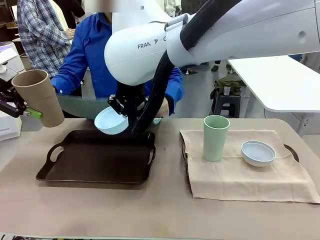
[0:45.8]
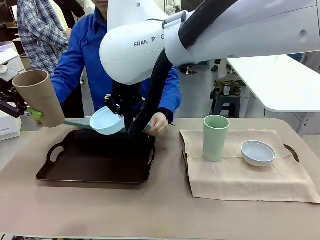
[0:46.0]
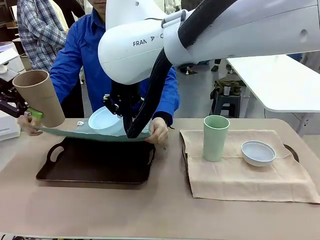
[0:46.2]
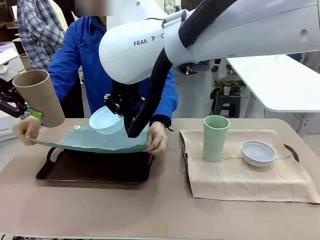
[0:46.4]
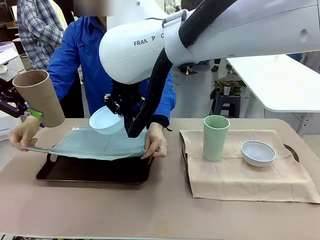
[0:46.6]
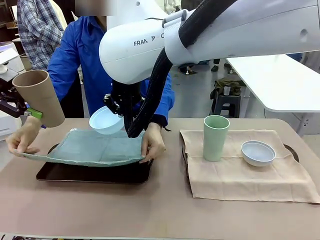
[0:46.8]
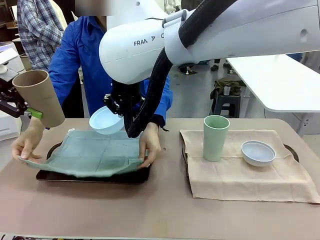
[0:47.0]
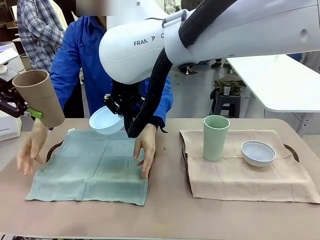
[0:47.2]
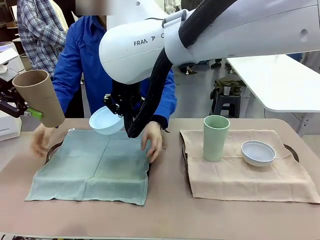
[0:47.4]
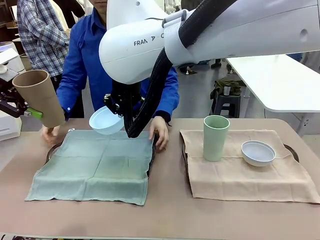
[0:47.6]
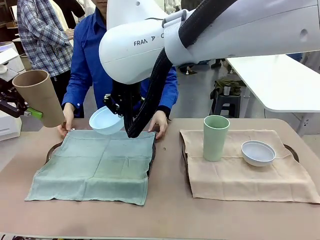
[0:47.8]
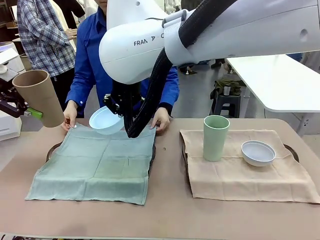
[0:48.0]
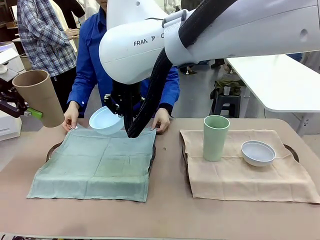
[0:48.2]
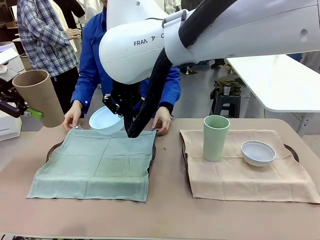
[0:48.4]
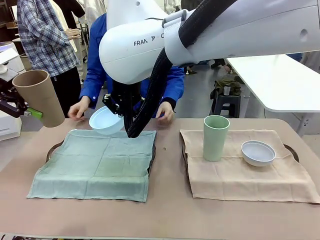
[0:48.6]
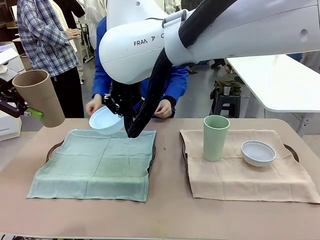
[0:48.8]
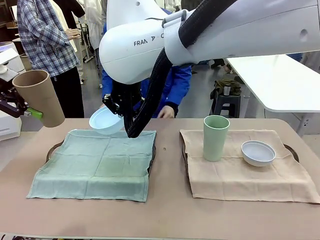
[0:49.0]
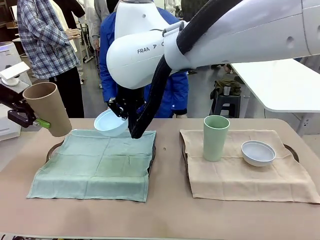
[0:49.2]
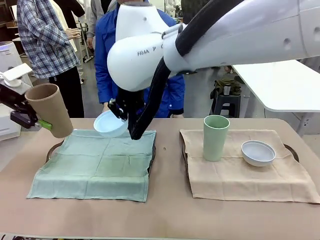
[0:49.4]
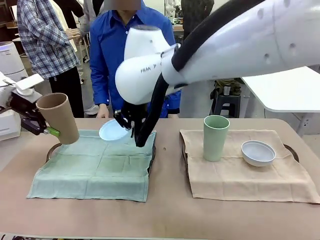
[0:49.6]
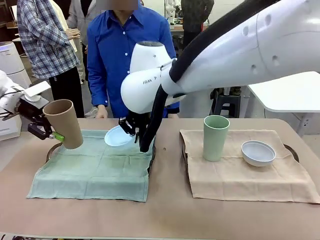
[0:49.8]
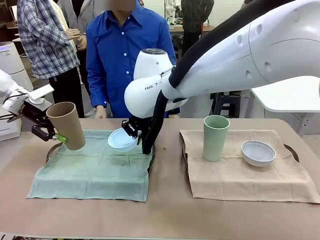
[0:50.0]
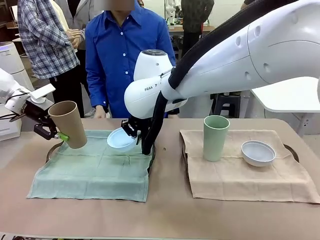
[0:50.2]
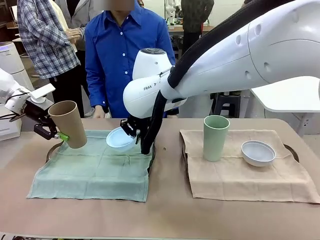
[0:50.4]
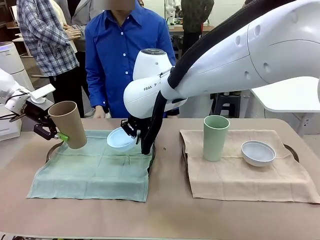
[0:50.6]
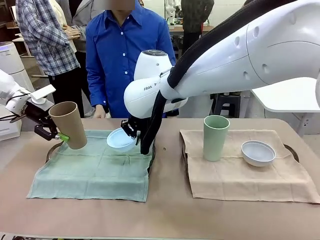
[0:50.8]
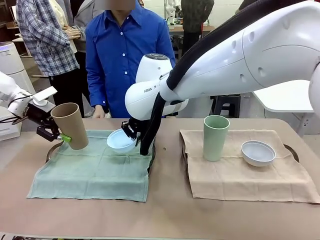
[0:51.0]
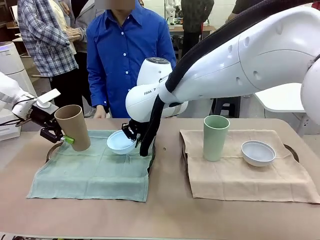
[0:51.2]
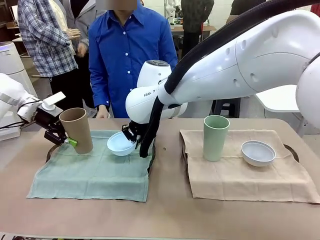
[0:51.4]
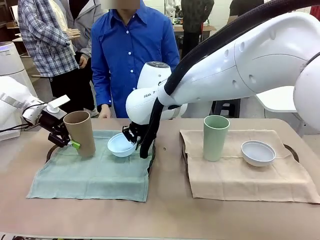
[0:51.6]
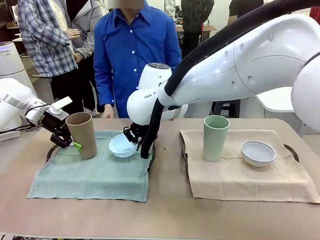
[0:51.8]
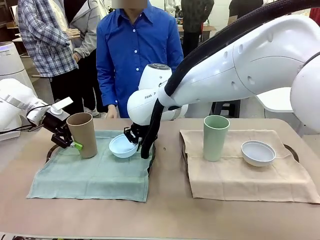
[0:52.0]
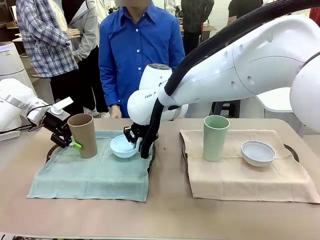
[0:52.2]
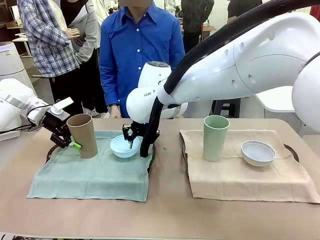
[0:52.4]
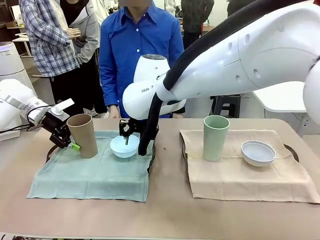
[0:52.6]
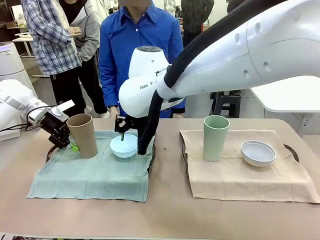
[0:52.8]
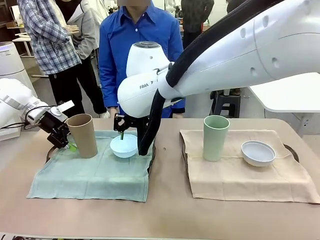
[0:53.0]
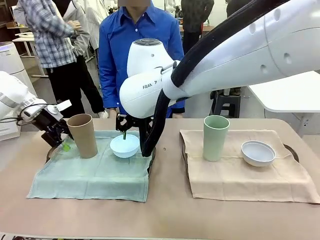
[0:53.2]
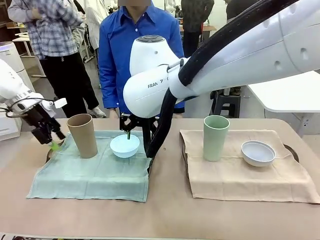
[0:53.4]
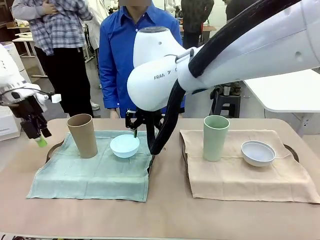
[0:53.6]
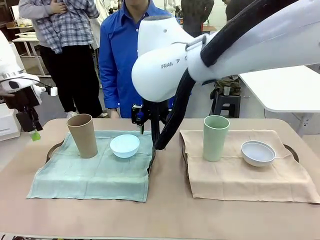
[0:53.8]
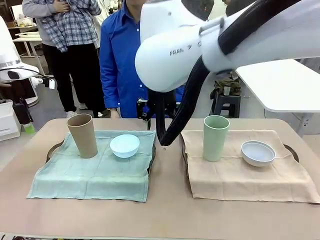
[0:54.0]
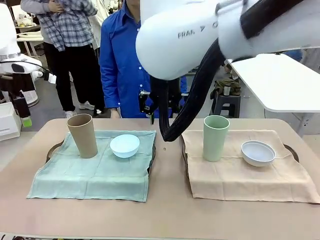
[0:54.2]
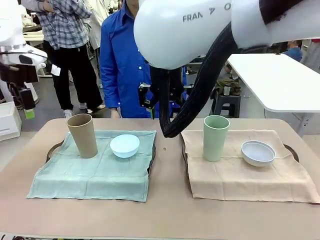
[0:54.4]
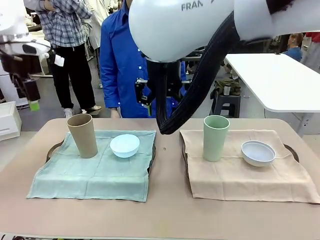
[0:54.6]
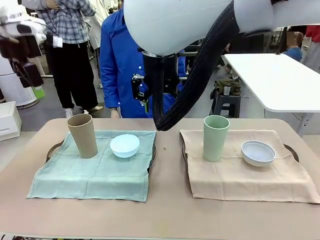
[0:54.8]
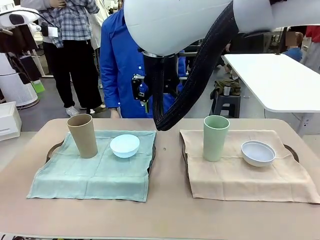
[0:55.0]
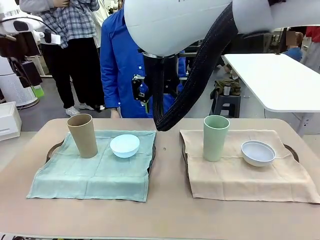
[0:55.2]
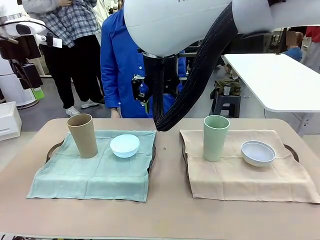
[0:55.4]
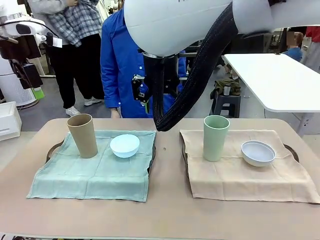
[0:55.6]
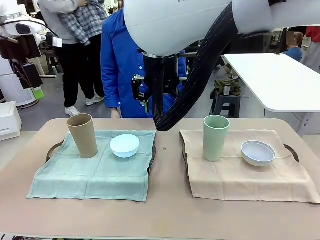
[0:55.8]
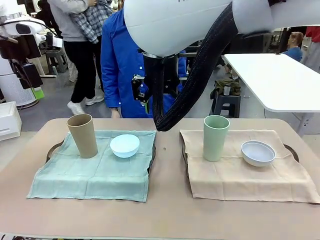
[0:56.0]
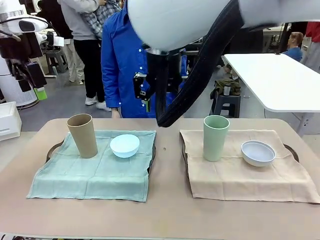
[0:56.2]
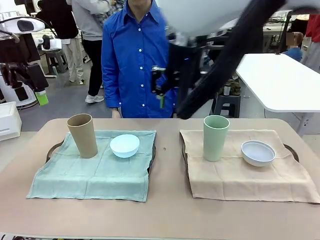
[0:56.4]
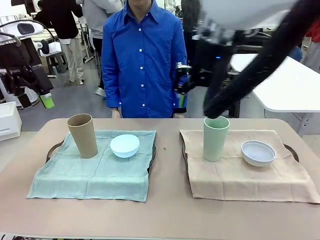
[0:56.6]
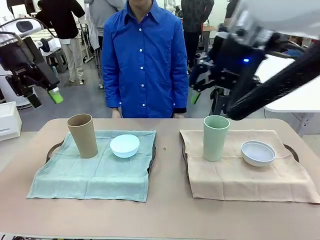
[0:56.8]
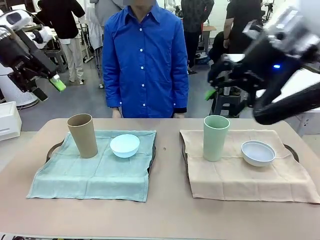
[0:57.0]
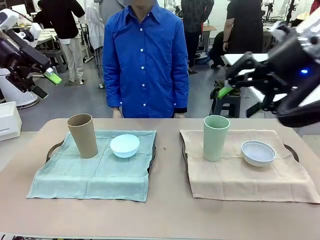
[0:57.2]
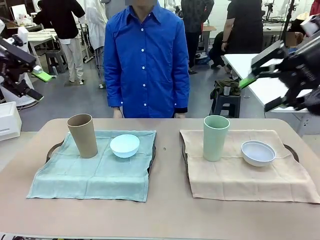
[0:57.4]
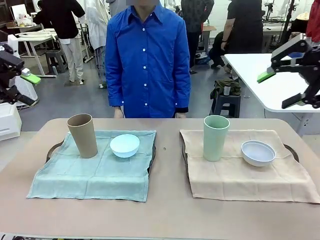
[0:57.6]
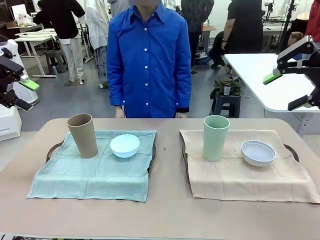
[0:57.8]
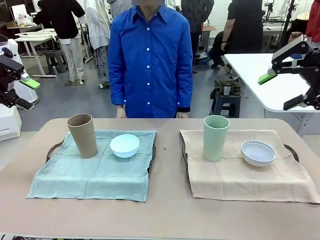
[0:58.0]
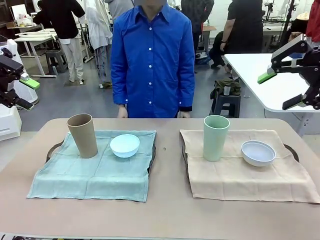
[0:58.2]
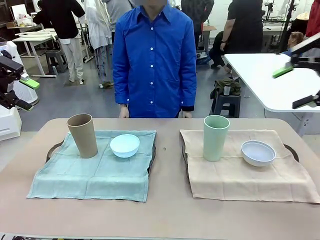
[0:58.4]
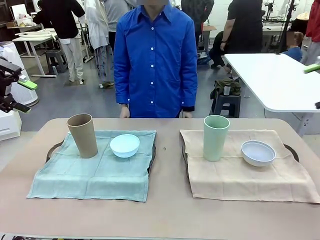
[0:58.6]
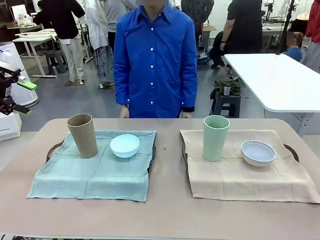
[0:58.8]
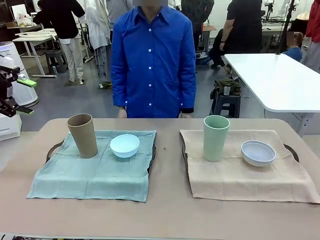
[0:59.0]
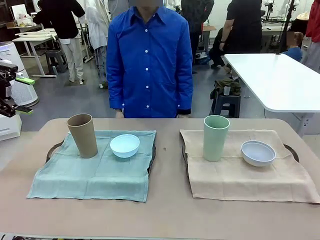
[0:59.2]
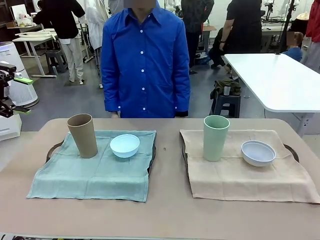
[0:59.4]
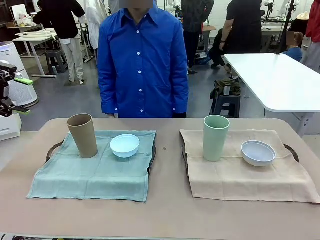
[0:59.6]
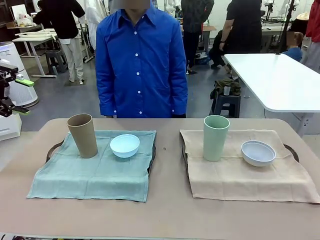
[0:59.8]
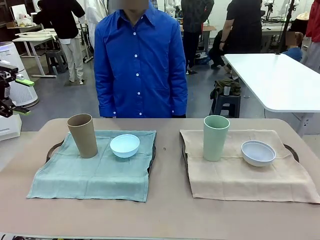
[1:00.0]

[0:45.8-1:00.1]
Robot: Place the Picnic Bowl and Reusable plastic cup back onto the Handle tray in front of the human's position.
Person: When the robot lifts the bowl and the cup, the human unfolds the napkin and lays the napkin flat on the tray.

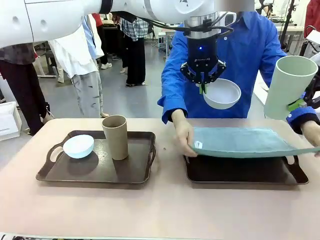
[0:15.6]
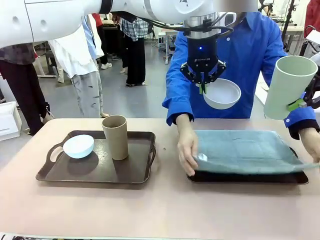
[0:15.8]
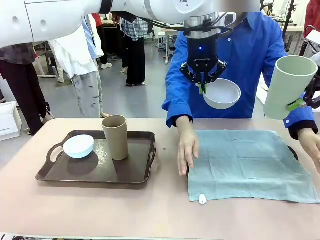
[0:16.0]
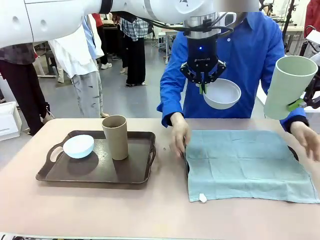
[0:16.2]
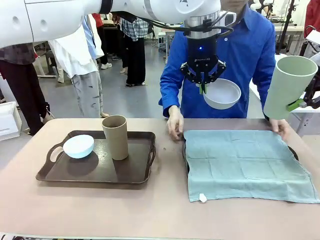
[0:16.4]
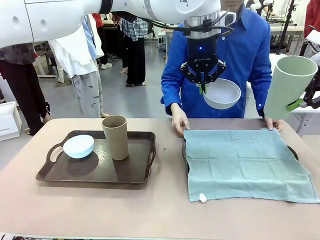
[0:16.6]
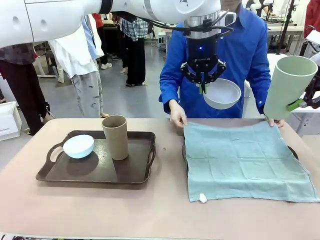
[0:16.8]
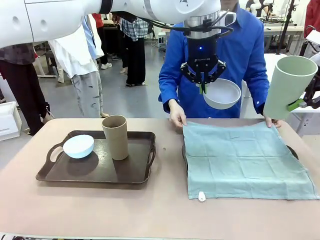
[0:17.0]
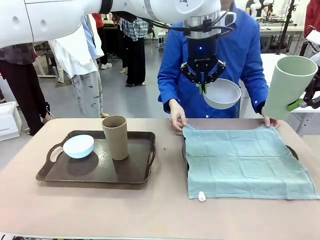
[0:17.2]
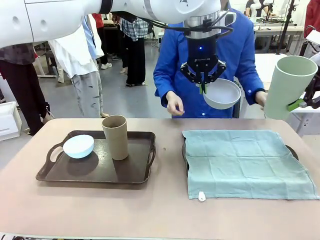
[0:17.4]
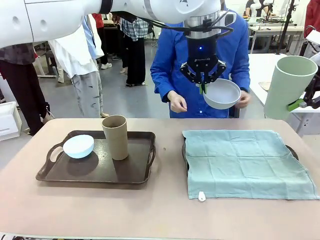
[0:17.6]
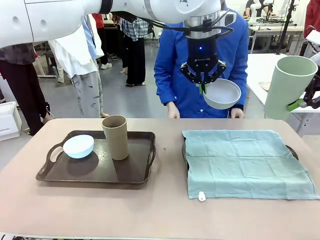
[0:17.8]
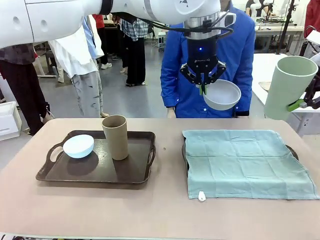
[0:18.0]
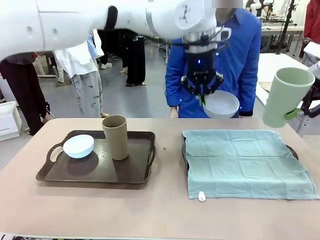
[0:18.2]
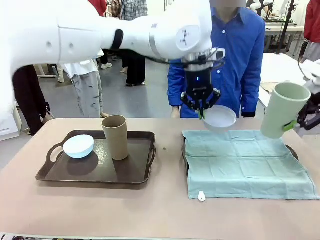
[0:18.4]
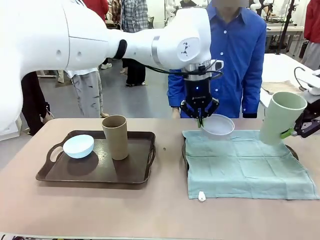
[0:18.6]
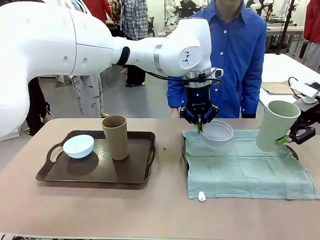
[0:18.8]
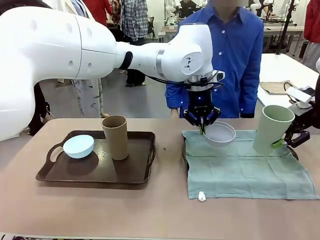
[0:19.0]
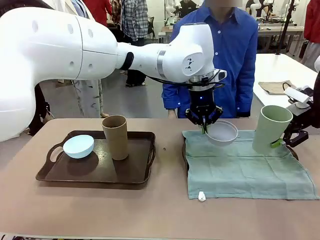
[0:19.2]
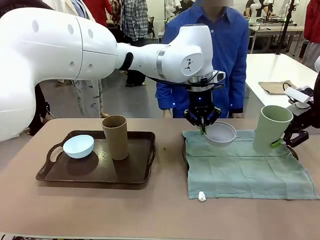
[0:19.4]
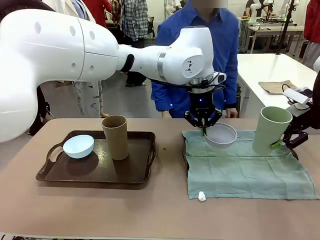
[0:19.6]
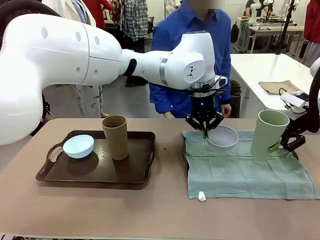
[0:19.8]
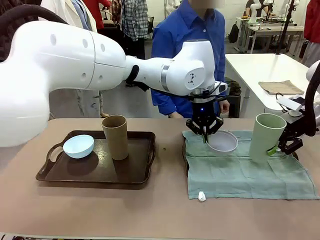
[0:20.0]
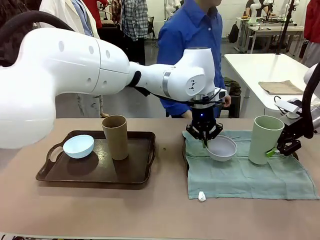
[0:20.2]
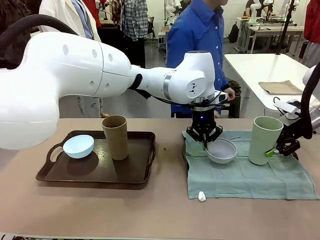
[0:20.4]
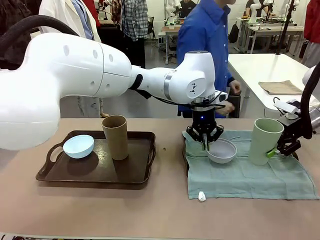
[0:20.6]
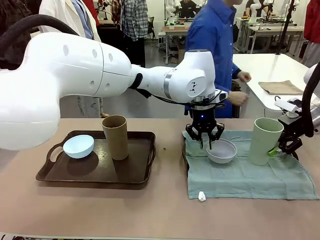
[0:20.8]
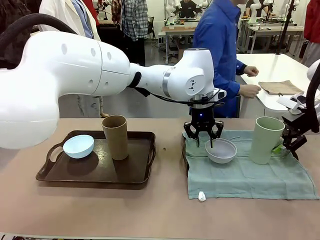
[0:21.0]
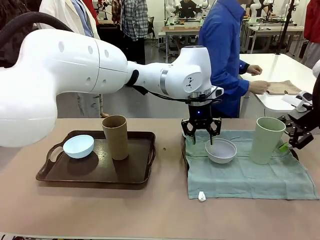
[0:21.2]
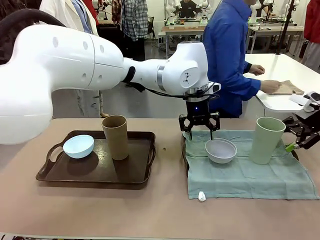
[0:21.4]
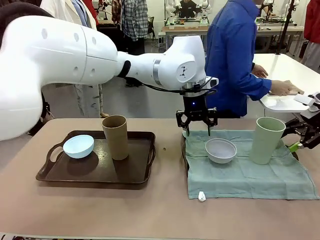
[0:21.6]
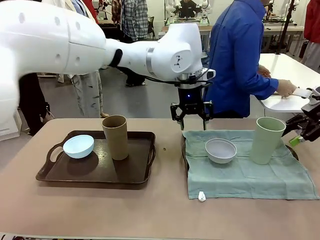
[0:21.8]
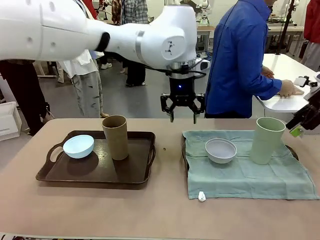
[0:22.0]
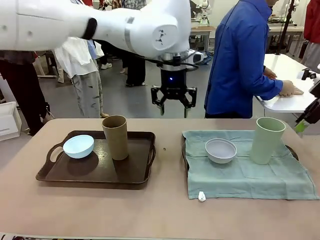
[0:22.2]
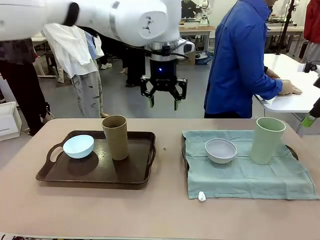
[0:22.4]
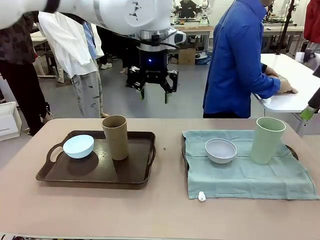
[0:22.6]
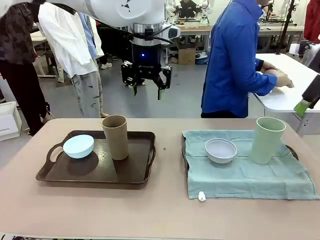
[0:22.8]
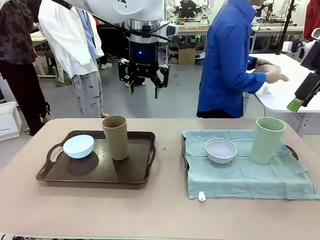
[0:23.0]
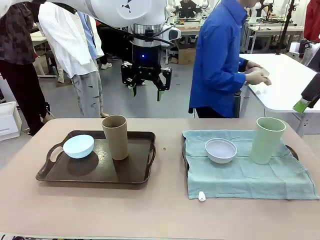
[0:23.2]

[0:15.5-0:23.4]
Robot: Place the Picnic Bowl and Reusable plastic cup back onto the Handle tray in front of the human's position.
Person: The human returns to the human table to pick up another napkin and walks to the robot table to stand in front of the tray without a napkin.
